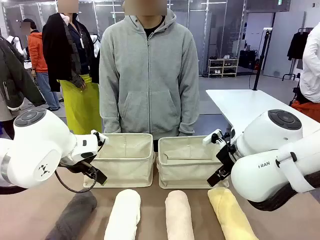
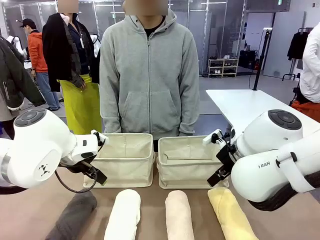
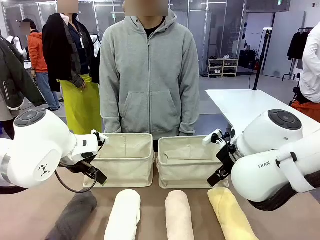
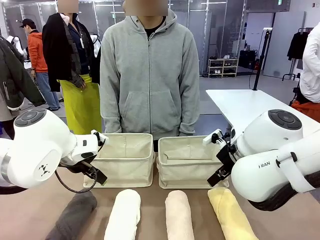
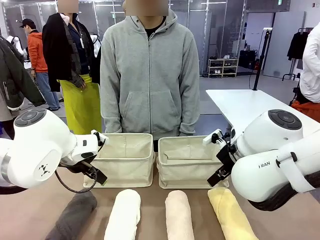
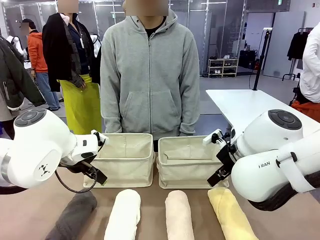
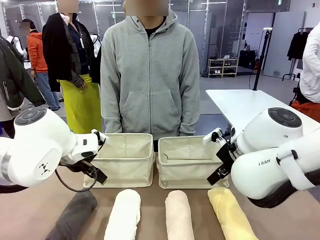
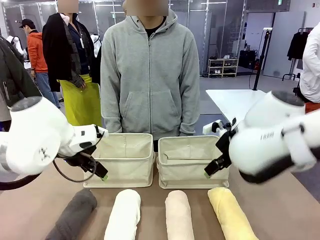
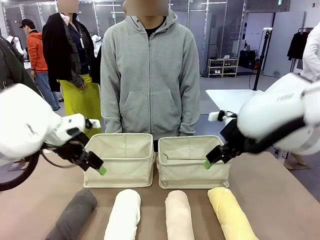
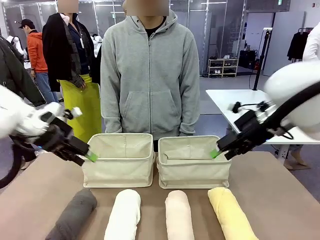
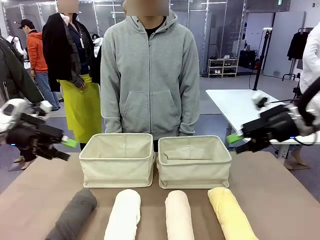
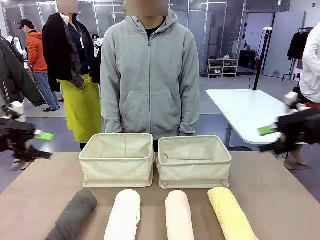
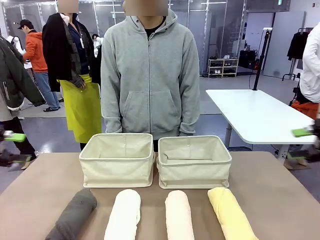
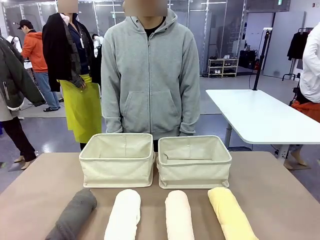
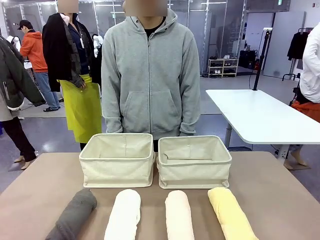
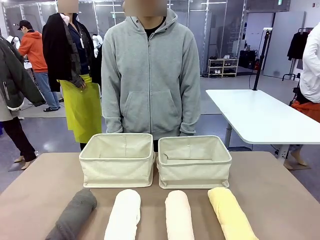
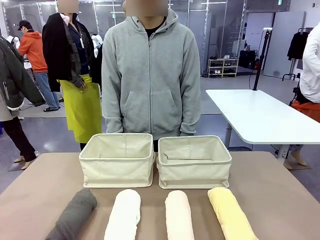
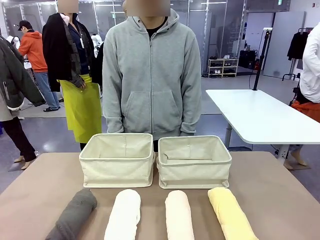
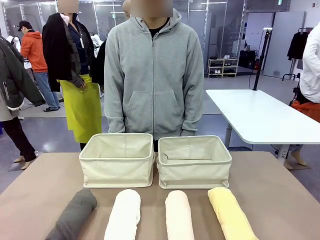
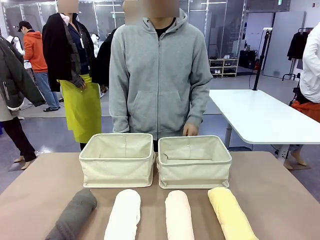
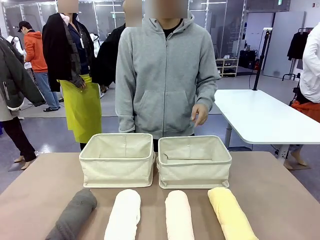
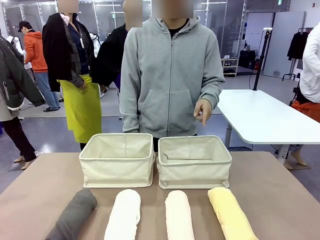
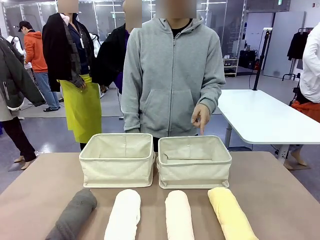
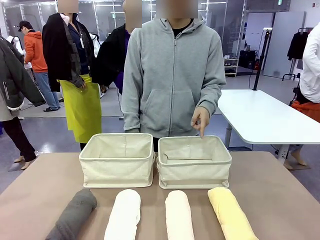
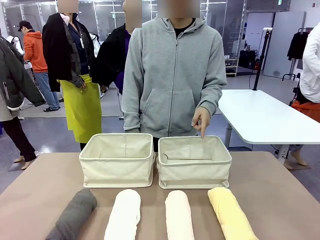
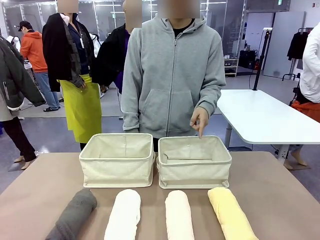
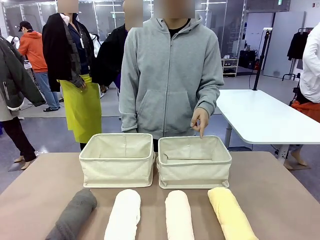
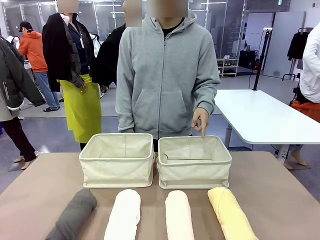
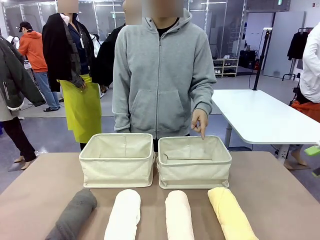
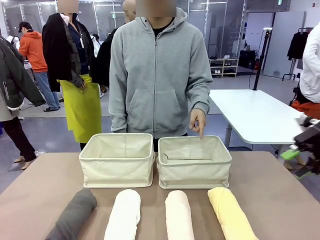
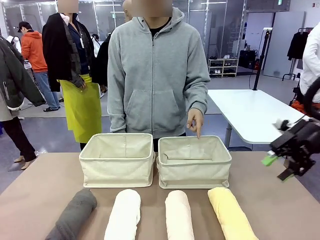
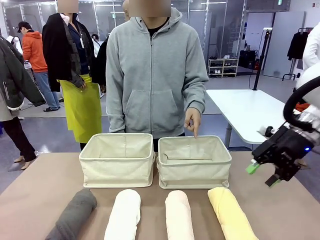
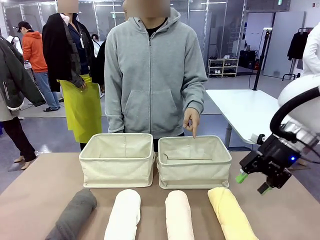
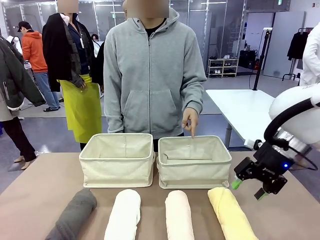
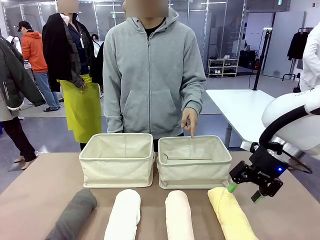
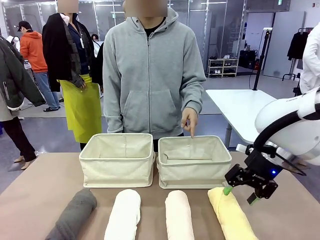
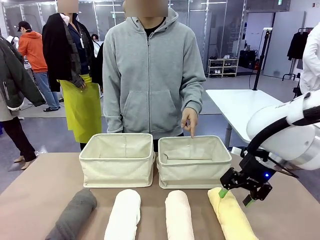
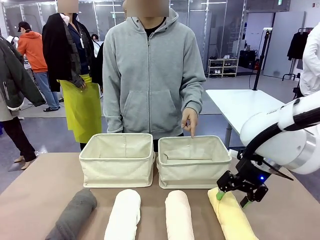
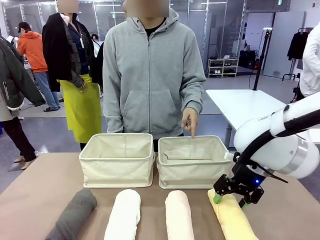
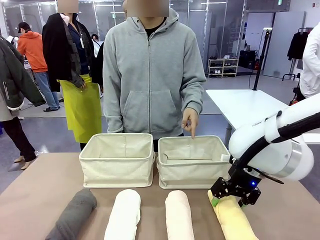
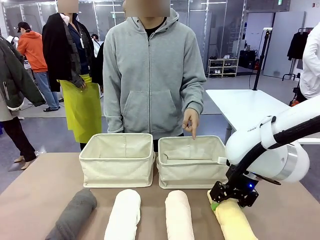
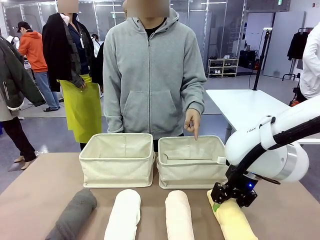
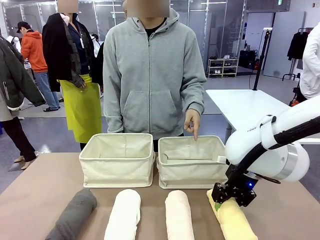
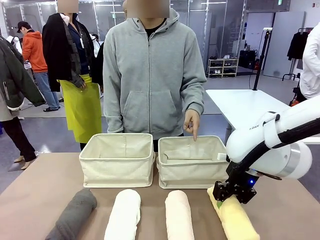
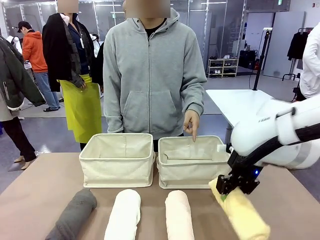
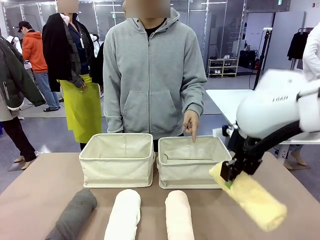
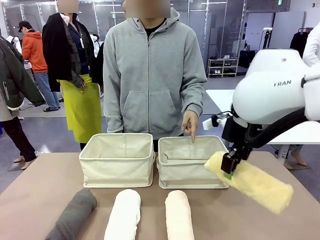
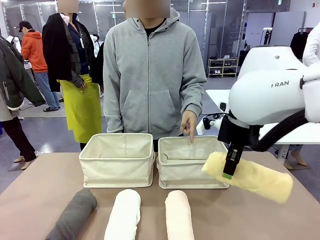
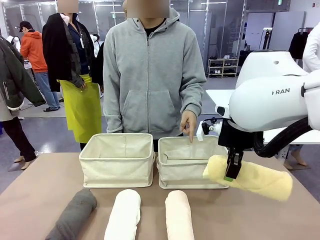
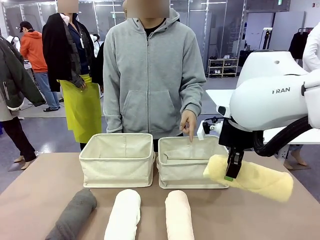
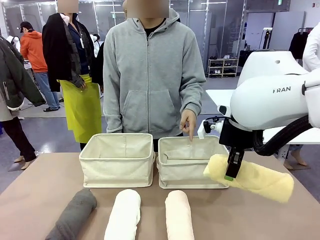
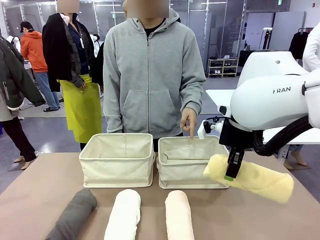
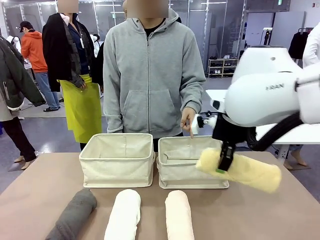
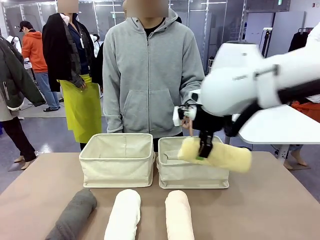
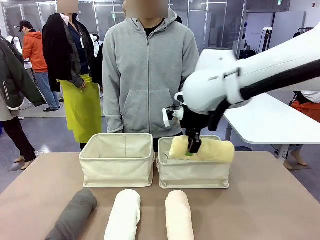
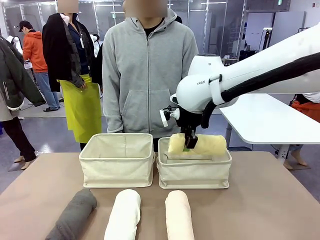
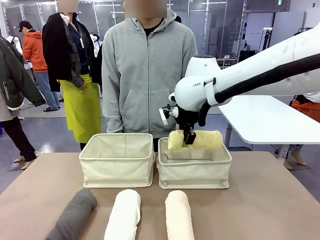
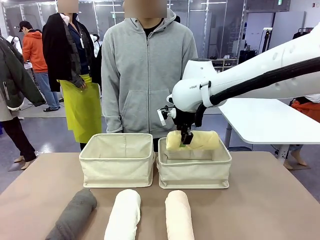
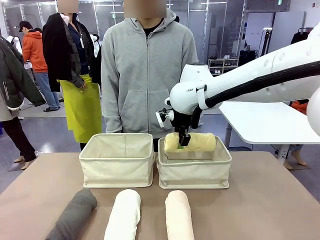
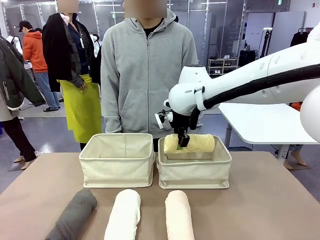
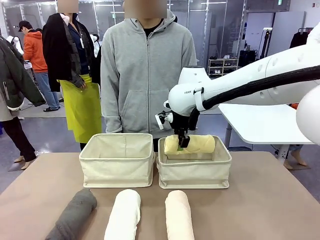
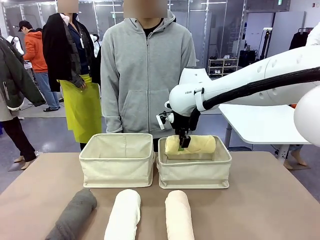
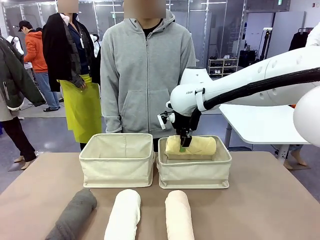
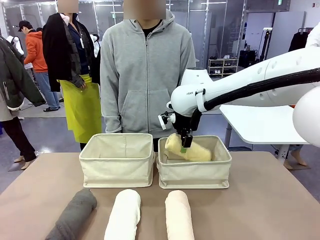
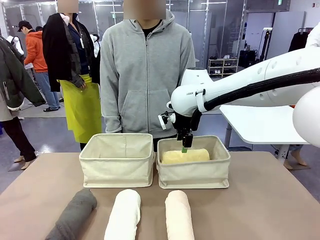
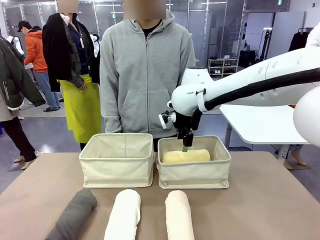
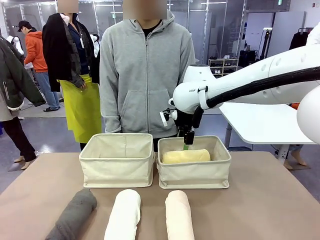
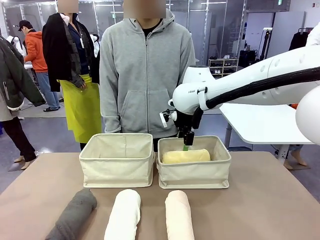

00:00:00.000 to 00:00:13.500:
Task: Divide the towels into two baskets.
Robot: Pick up one hotel-folded towel and place it in the Fabric basket indicated by the person.

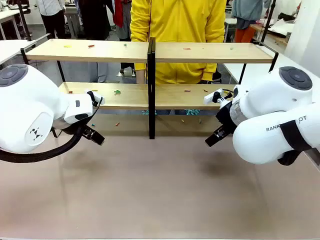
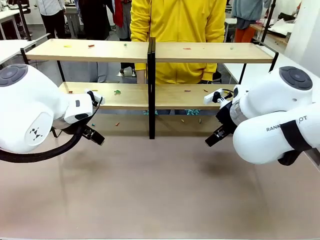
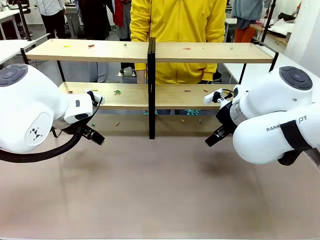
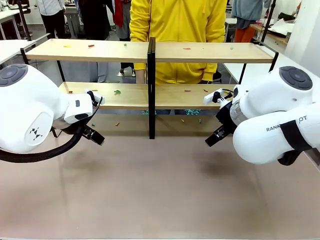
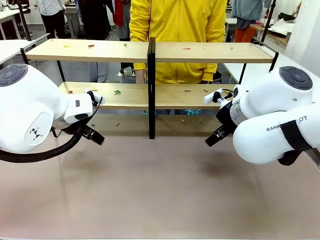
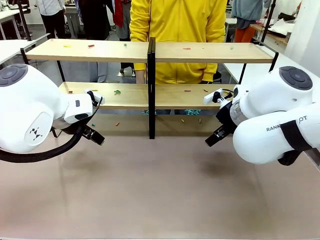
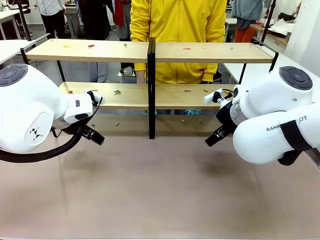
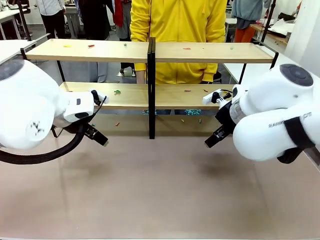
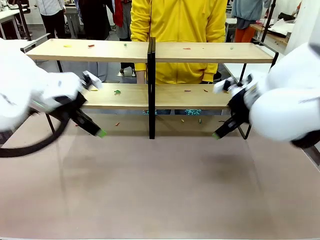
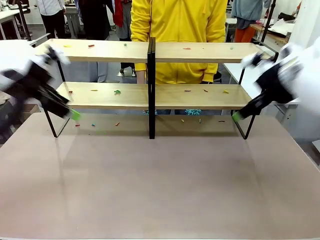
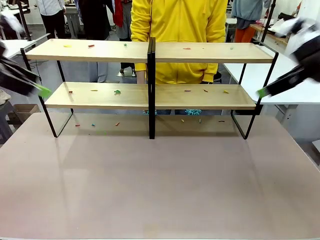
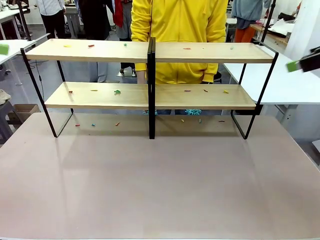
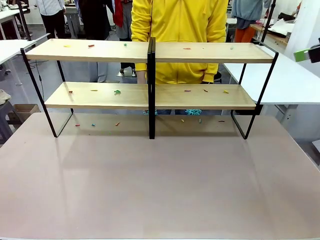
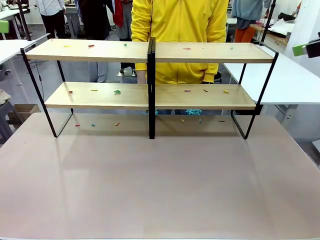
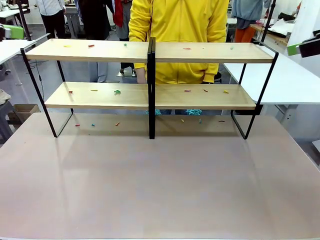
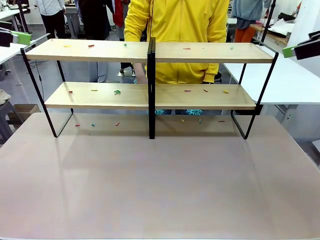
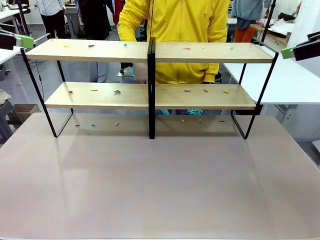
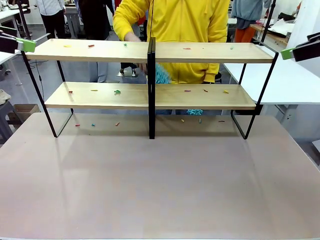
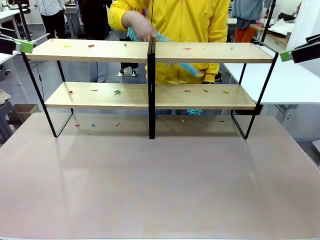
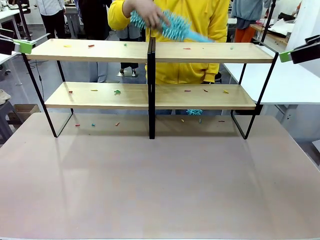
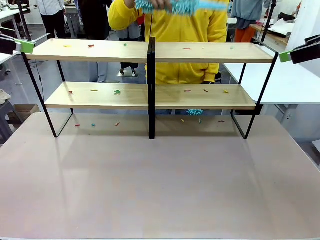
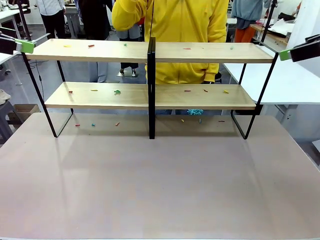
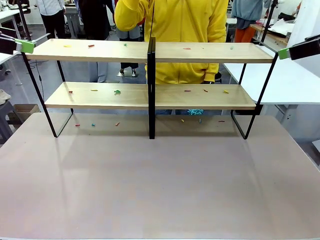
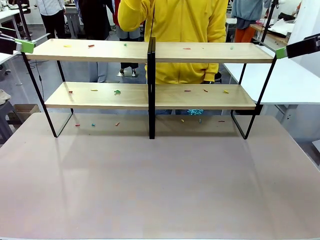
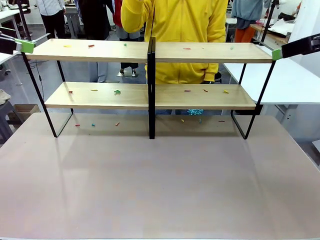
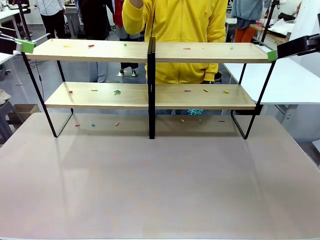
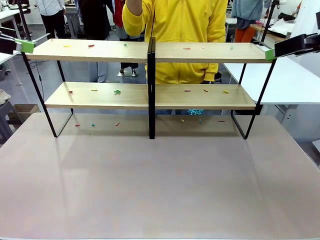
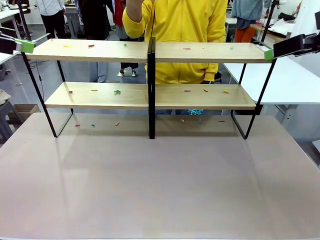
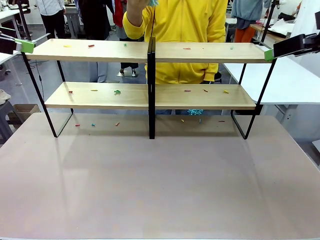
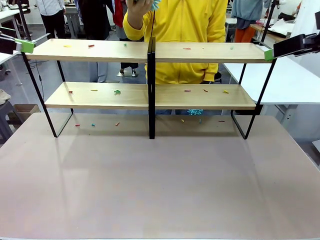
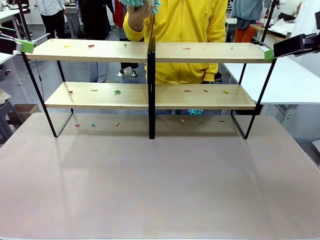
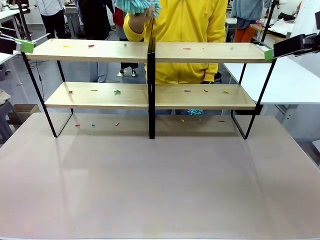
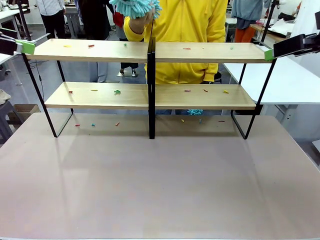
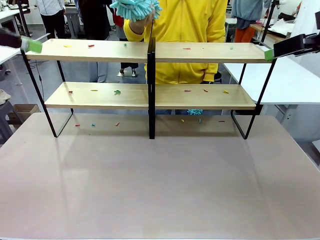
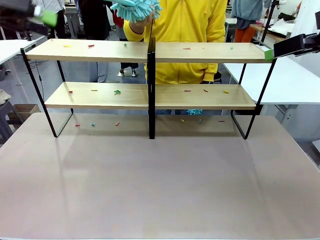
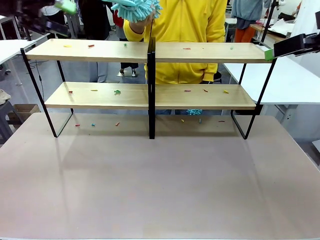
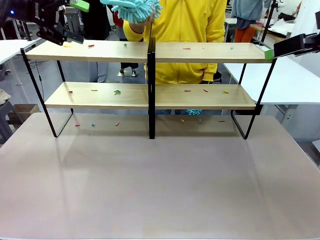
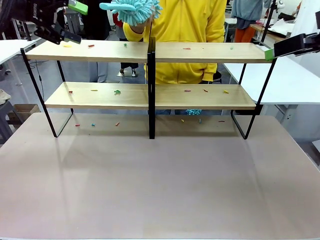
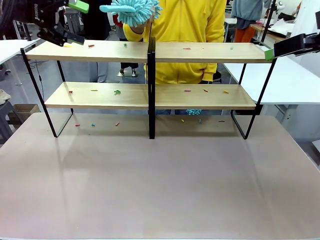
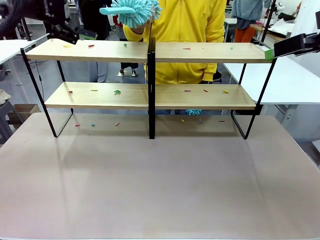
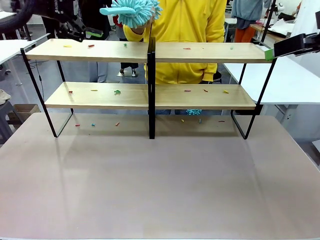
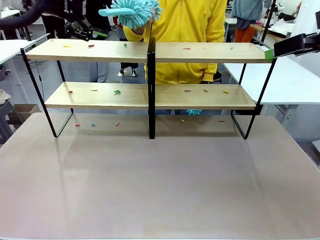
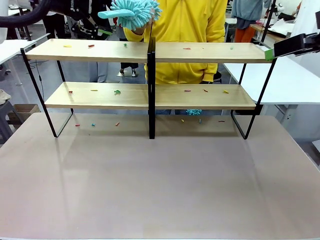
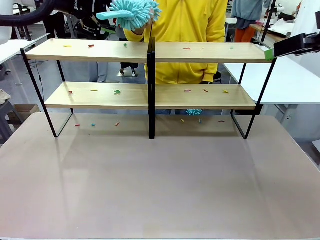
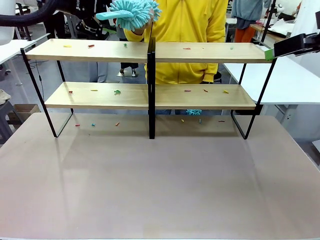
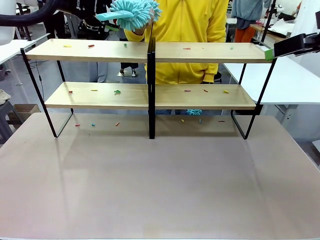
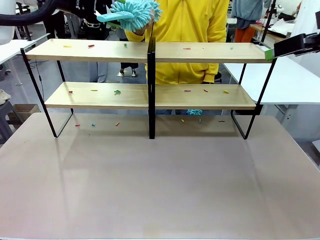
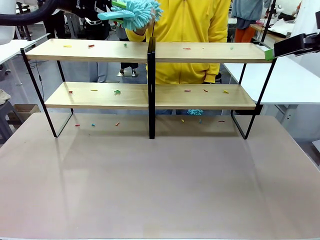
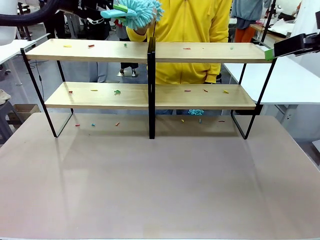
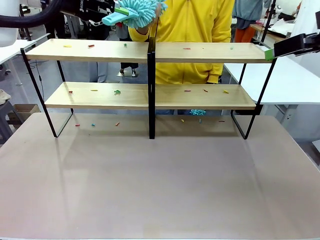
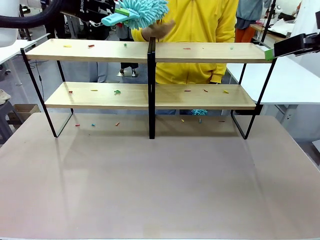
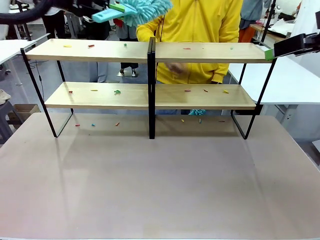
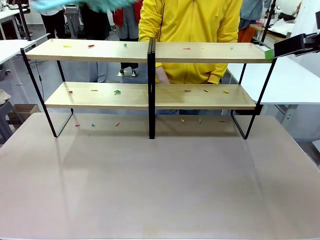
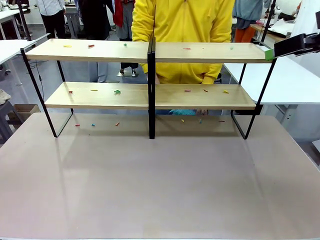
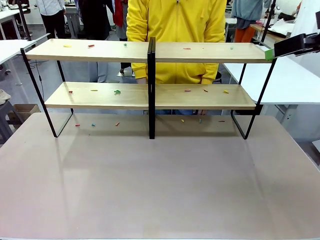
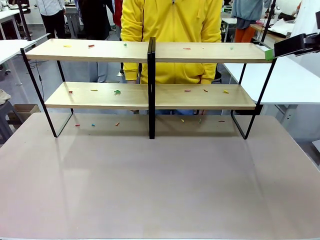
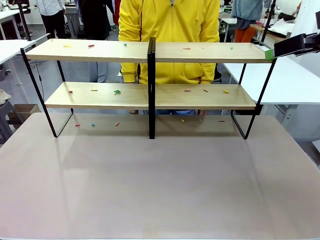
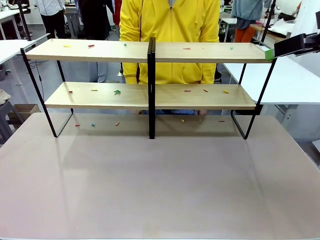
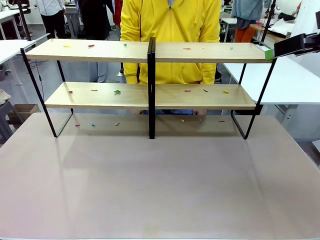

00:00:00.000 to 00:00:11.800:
Task: Clean the shelves.
Robot: Pick up the Duster when the human hands it over.
Person: Hand the Duster to the robot with your right (or left) hand.
